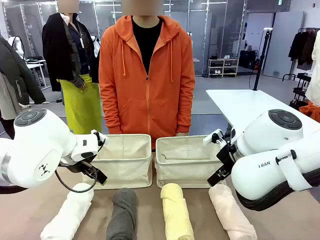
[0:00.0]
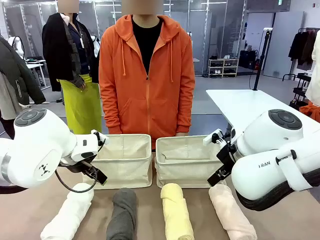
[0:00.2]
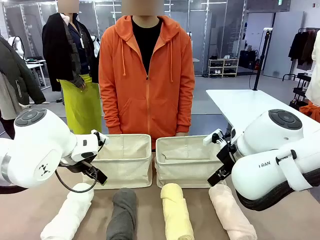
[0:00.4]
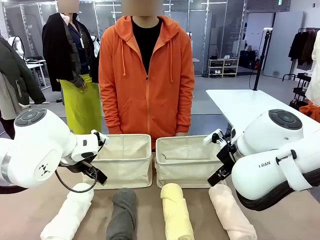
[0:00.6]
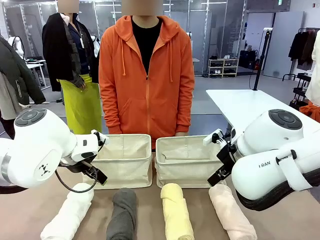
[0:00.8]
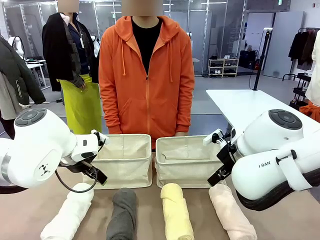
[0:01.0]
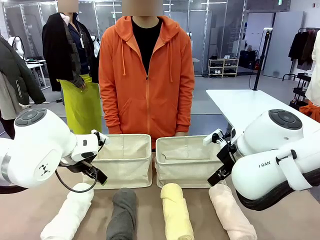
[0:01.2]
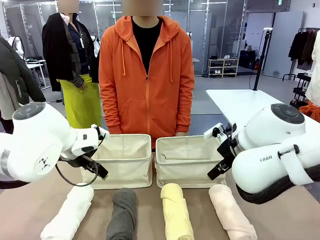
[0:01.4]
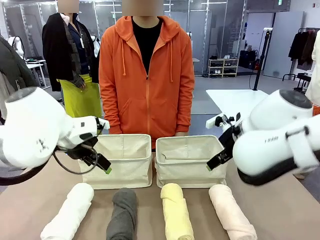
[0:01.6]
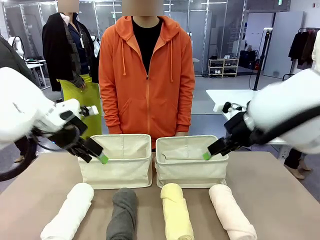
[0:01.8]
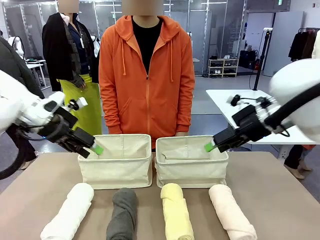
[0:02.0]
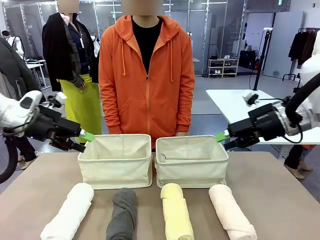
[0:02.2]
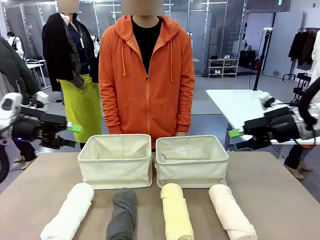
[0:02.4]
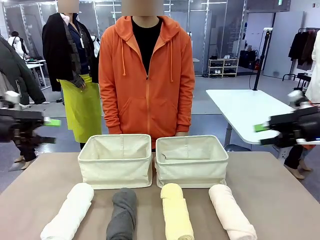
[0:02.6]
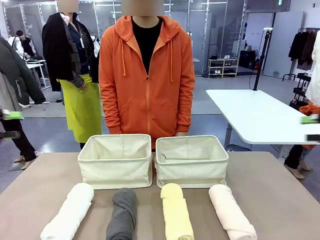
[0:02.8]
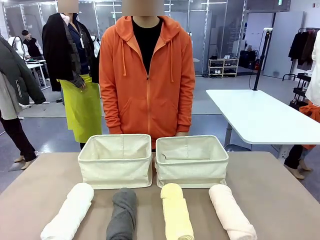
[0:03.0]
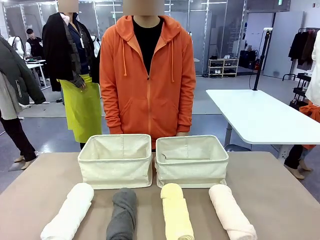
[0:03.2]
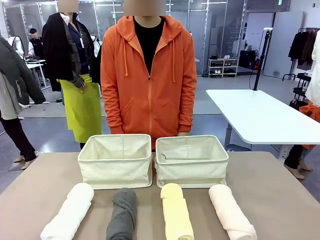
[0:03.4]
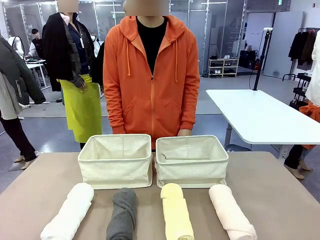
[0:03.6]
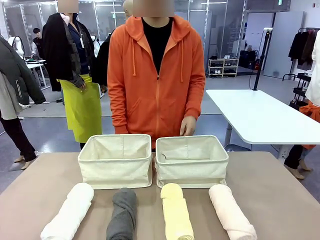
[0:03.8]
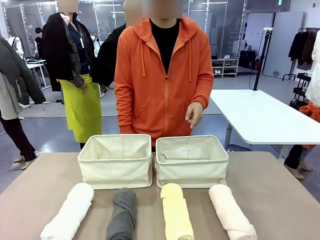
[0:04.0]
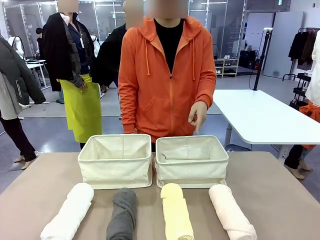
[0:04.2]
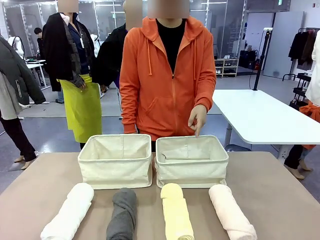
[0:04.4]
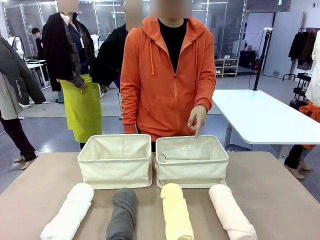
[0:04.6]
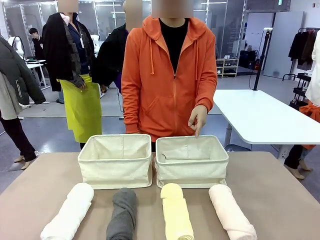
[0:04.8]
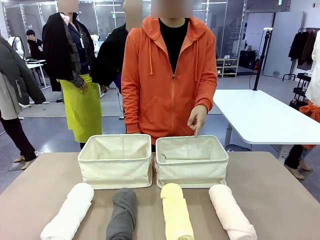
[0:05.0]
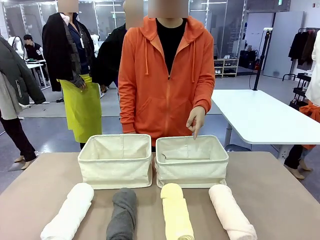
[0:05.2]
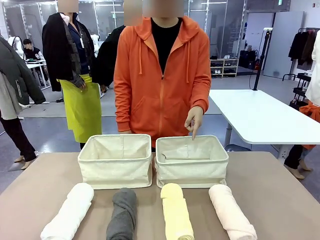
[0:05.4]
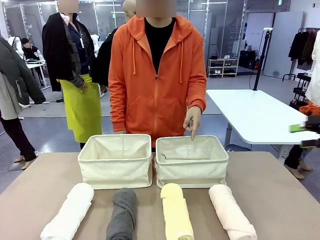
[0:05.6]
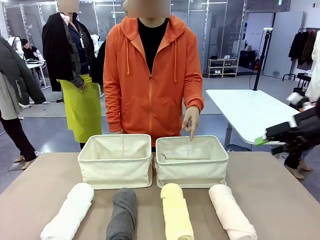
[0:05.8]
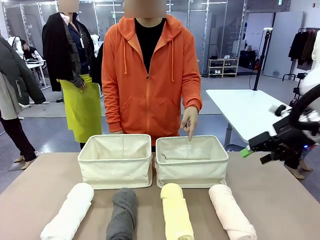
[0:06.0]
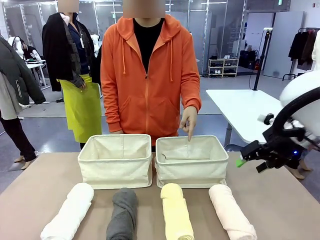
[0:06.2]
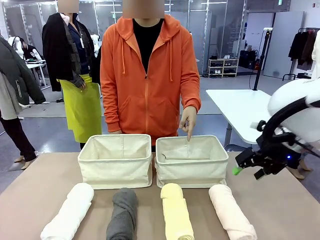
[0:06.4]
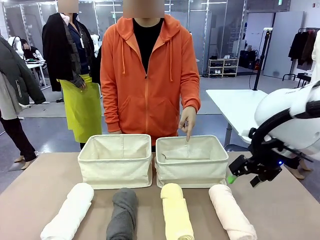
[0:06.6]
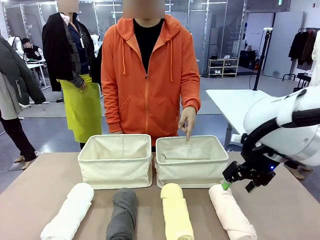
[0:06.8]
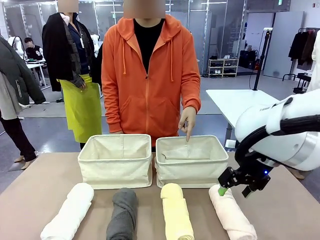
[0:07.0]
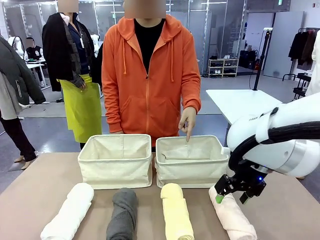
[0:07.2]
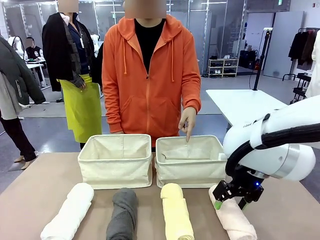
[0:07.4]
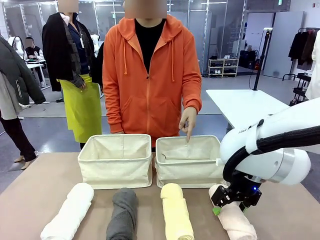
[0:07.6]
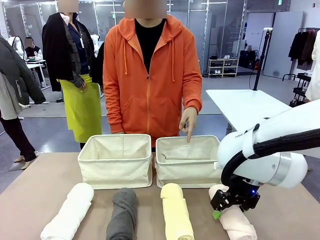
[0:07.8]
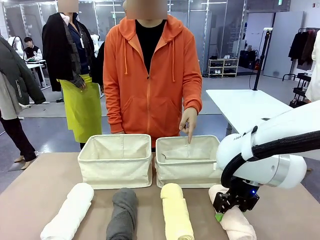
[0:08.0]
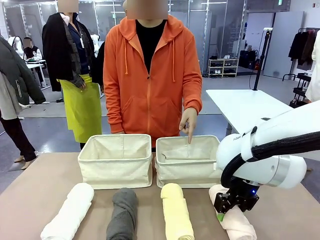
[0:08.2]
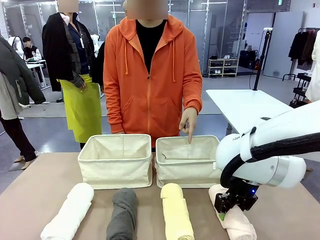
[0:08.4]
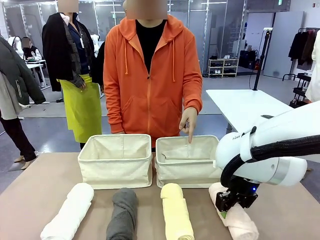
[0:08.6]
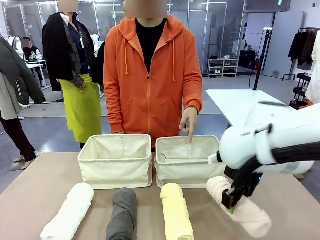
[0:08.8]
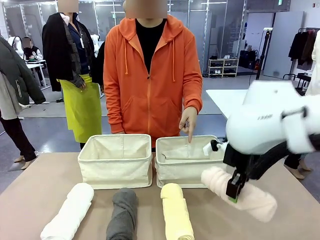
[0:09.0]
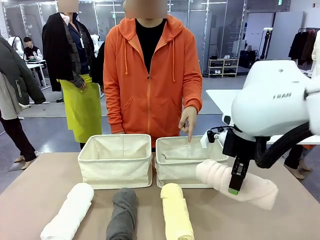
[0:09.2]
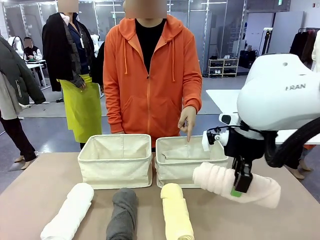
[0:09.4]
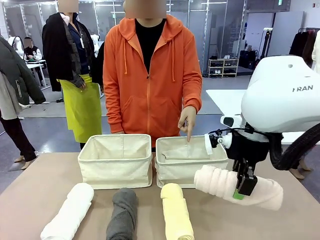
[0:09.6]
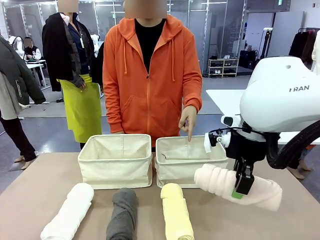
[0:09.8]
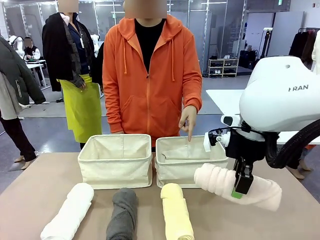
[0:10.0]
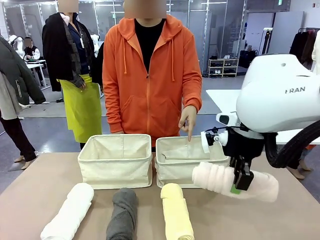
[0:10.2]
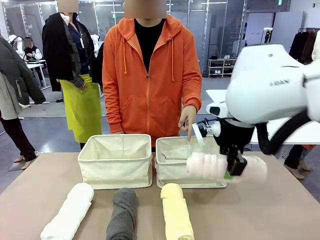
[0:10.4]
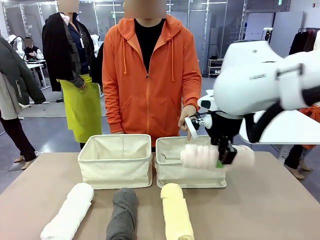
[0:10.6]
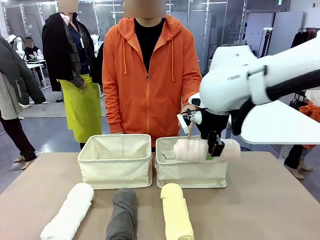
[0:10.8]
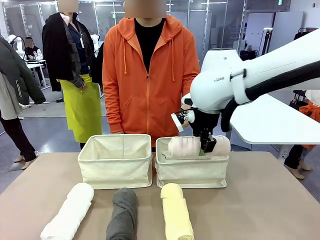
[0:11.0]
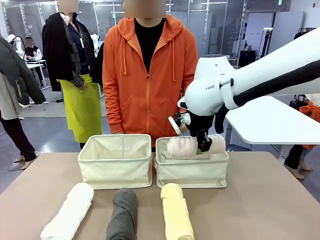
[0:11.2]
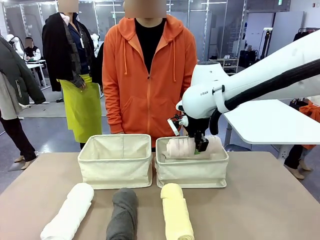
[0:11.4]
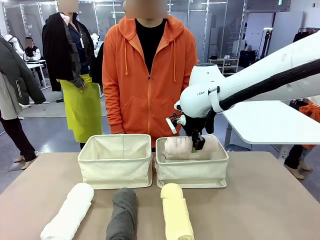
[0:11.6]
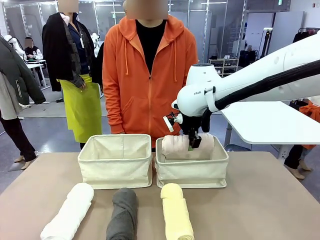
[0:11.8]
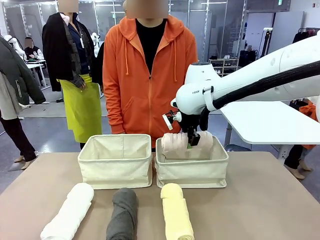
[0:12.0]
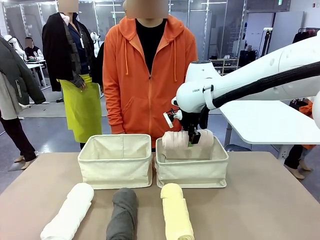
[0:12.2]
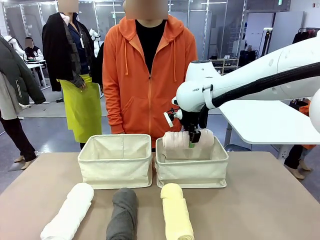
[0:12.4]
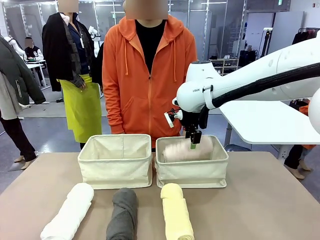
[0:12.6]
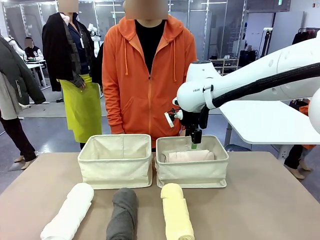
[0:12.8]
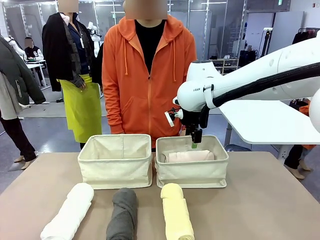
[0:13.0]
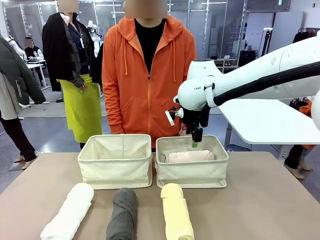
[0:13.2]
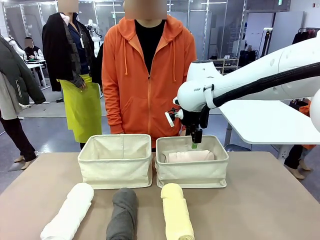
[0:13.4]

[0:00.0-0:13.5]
Task: Divide the towels into two baskets.
Robot: Pick up one hotel-folded towel and place it in the Fabric basket indicated by the person.
